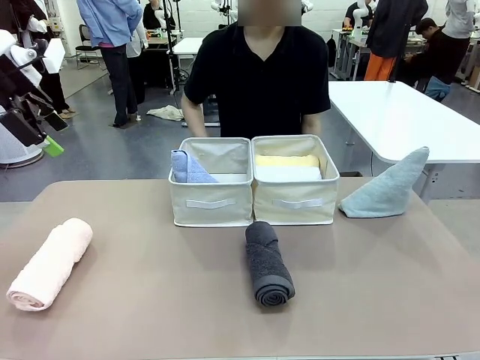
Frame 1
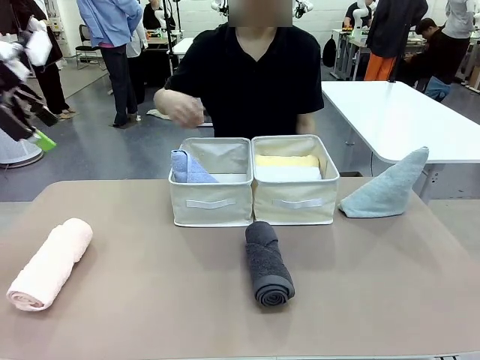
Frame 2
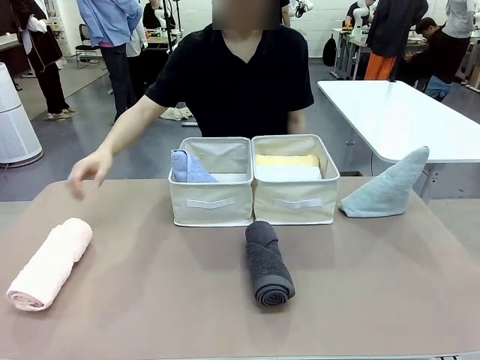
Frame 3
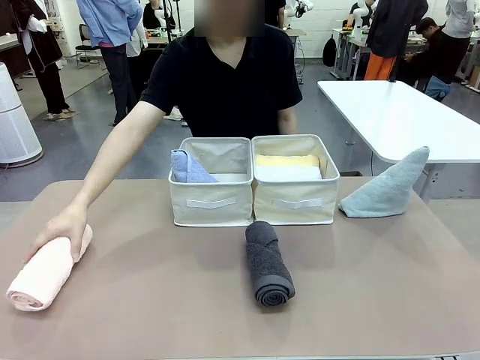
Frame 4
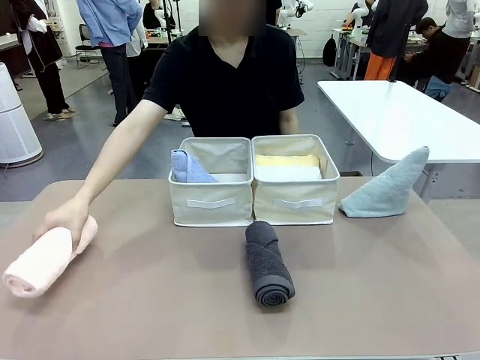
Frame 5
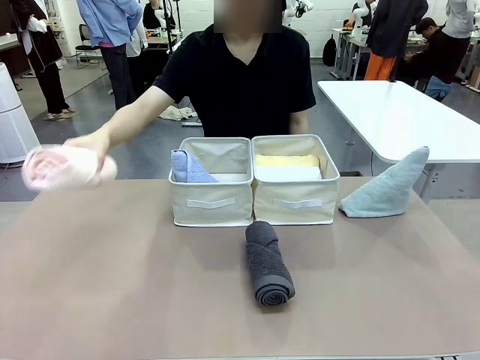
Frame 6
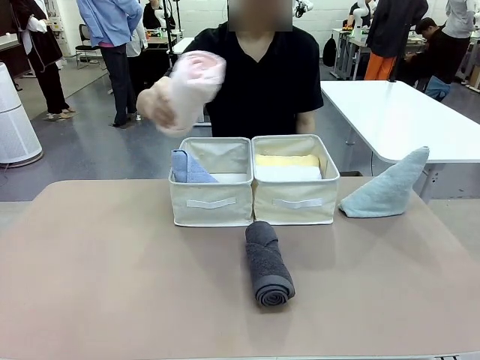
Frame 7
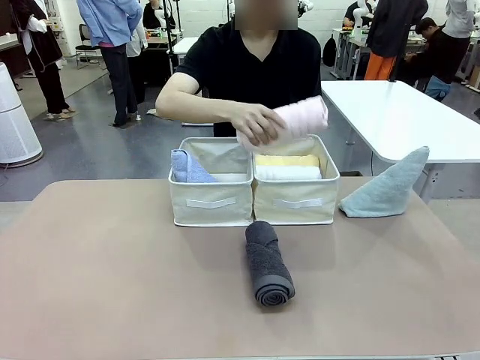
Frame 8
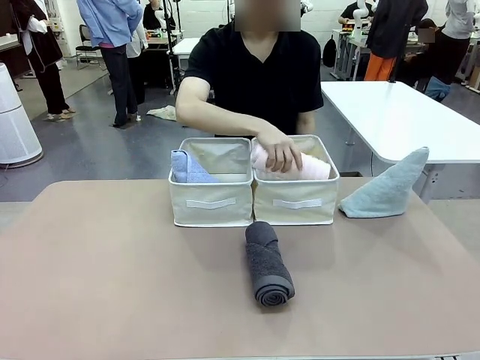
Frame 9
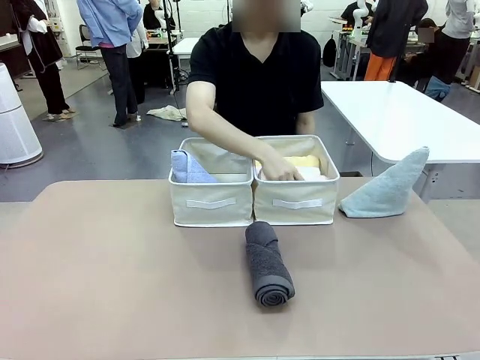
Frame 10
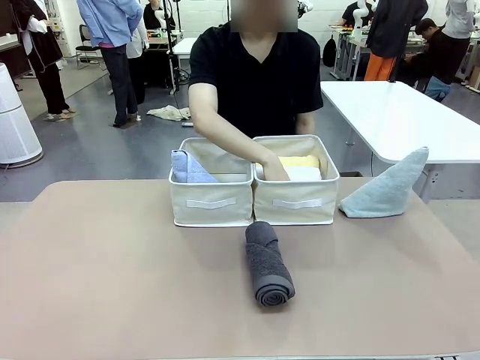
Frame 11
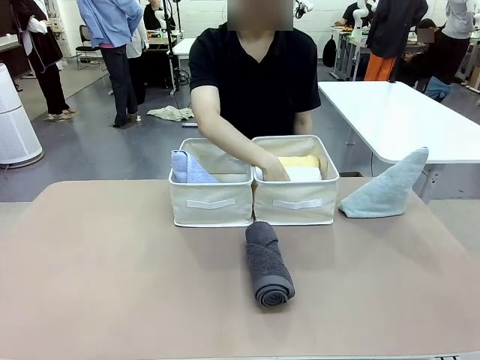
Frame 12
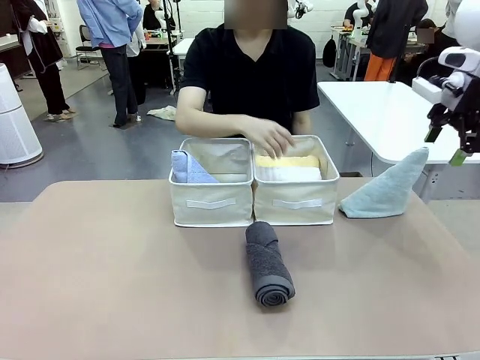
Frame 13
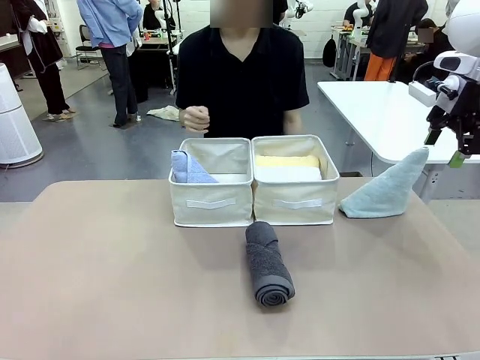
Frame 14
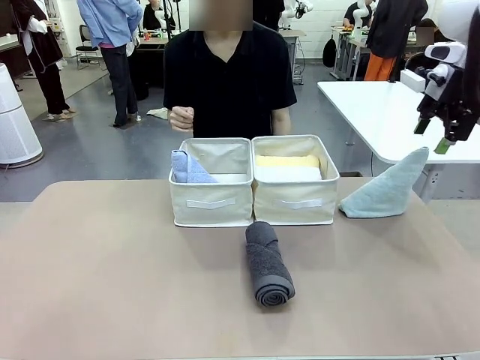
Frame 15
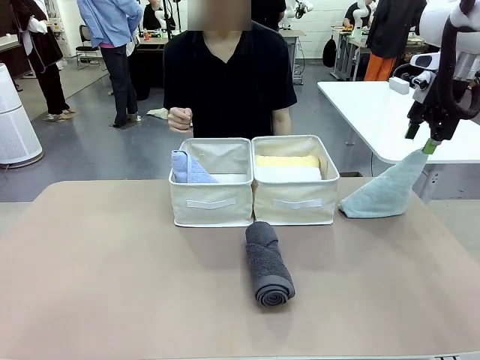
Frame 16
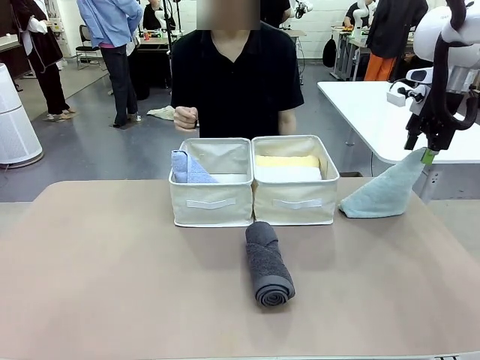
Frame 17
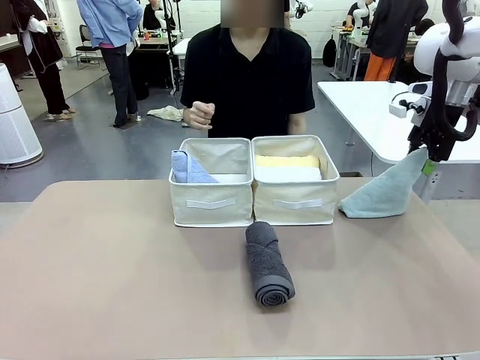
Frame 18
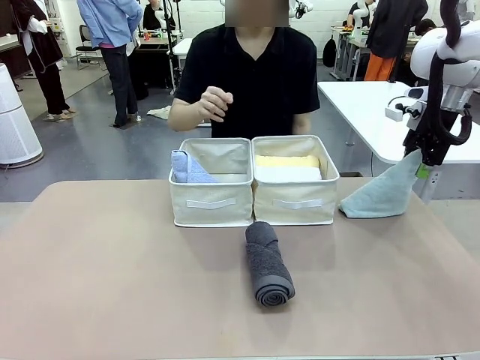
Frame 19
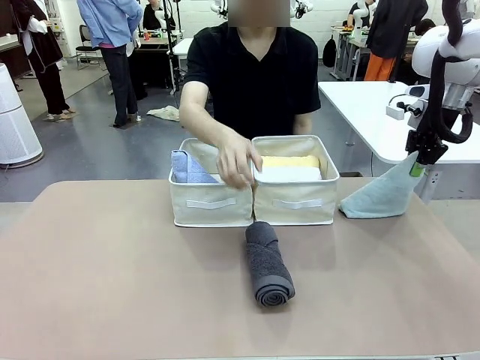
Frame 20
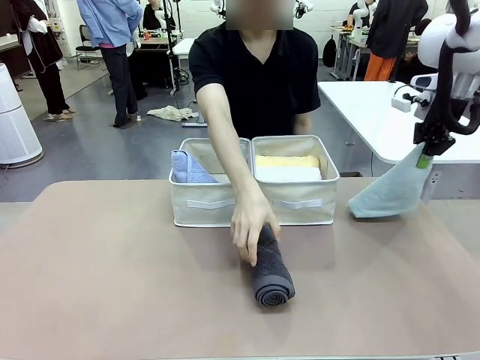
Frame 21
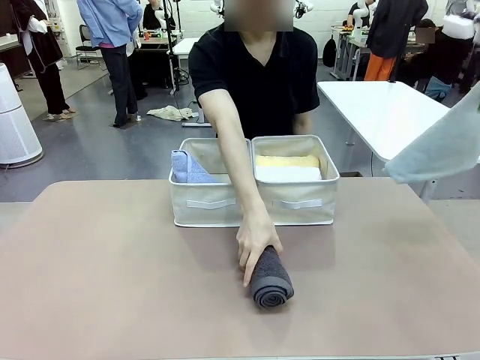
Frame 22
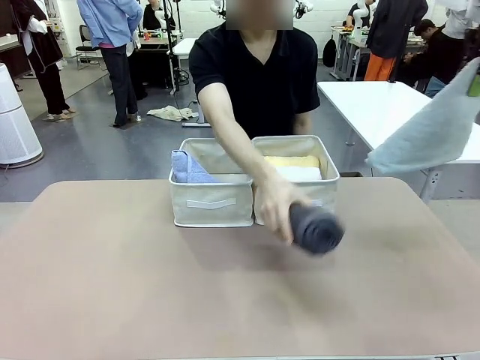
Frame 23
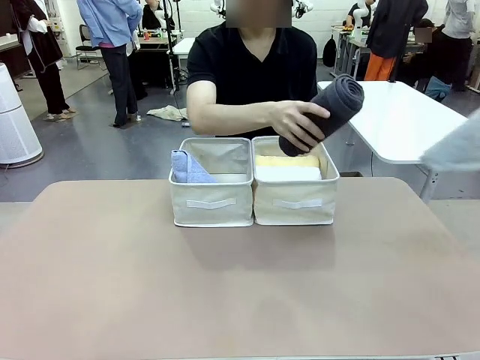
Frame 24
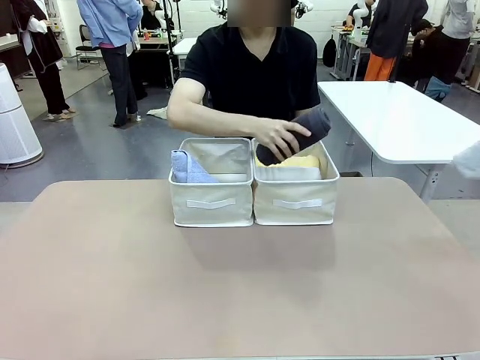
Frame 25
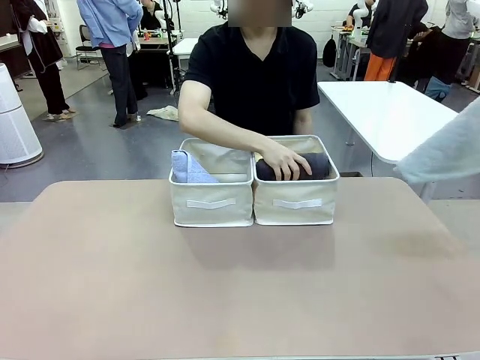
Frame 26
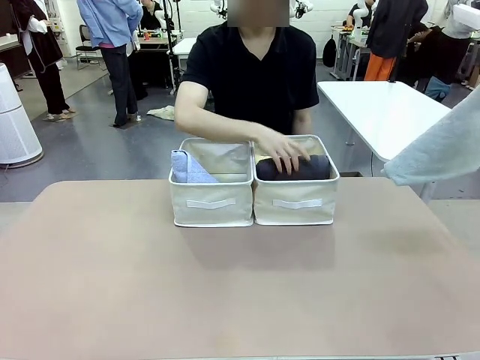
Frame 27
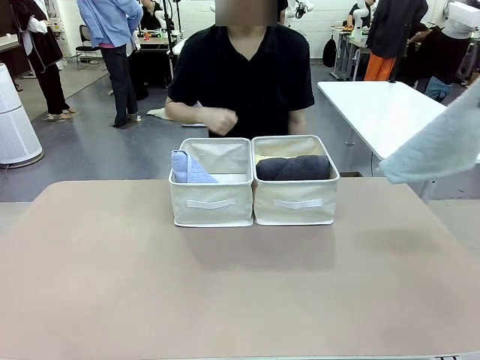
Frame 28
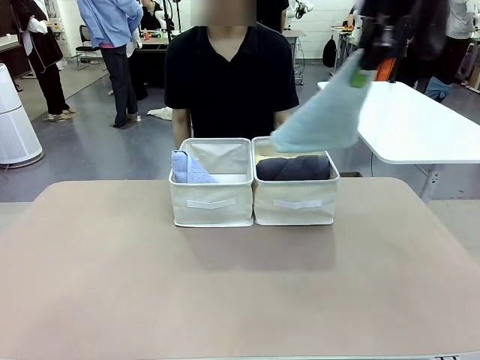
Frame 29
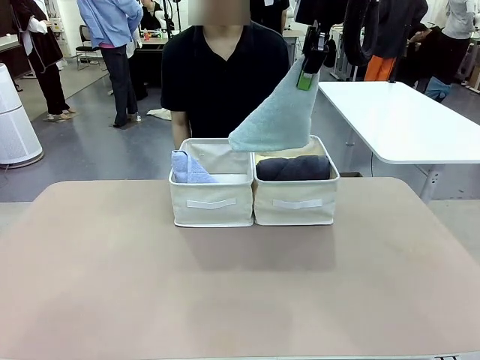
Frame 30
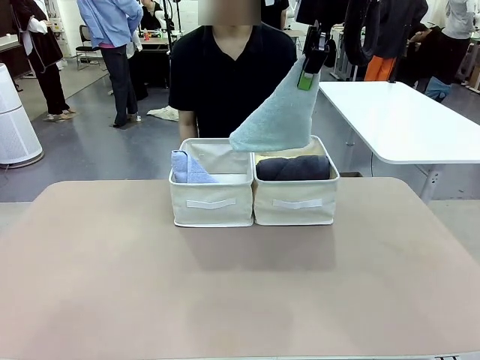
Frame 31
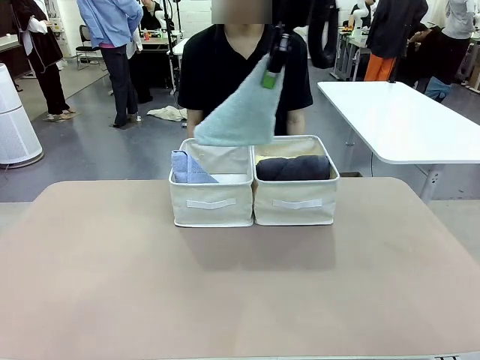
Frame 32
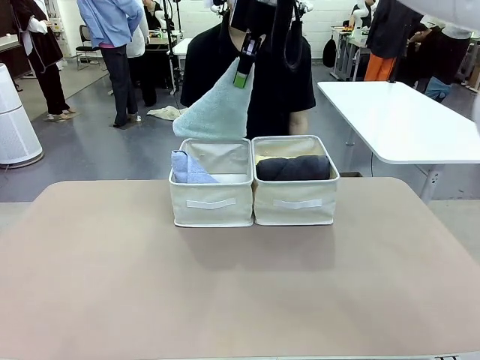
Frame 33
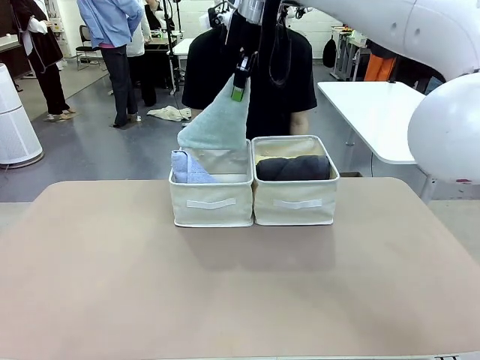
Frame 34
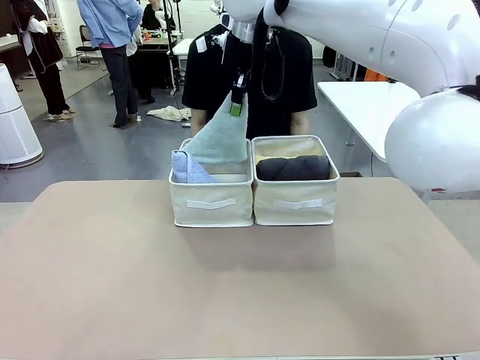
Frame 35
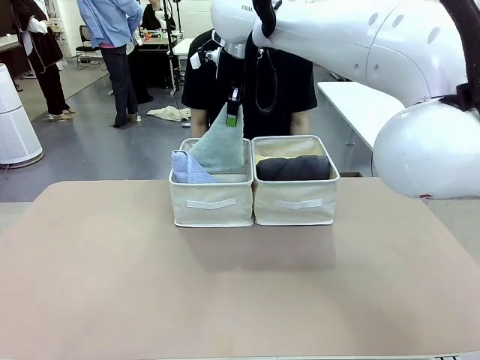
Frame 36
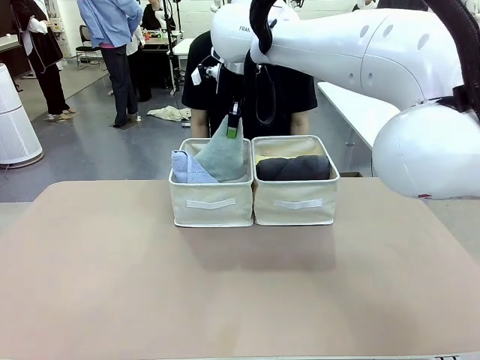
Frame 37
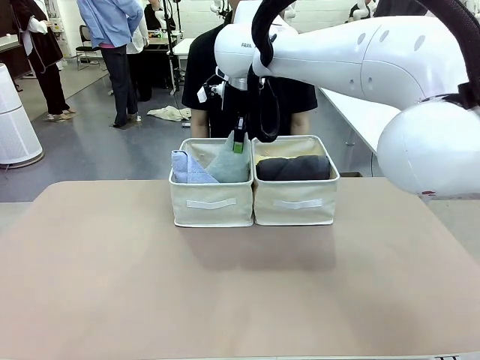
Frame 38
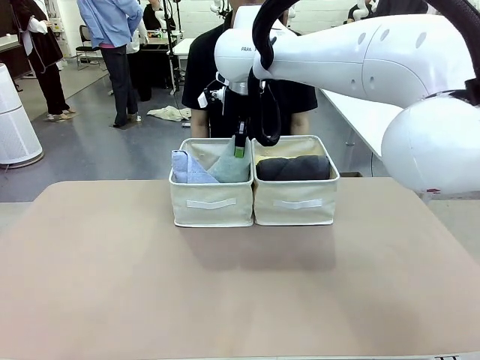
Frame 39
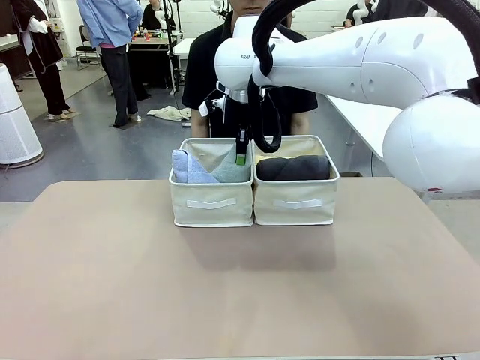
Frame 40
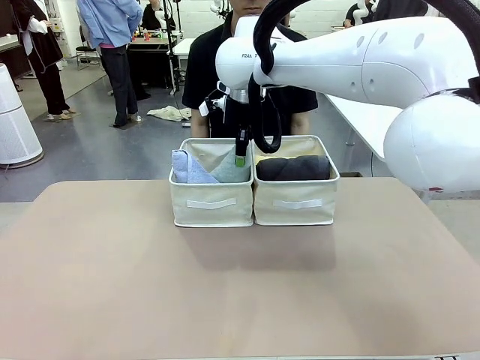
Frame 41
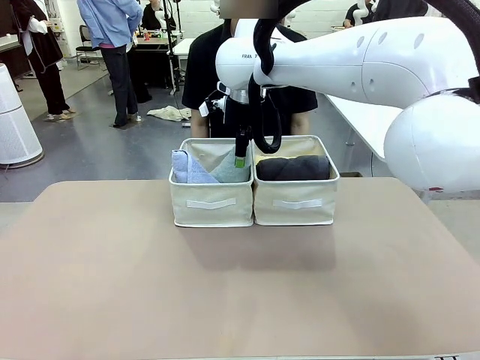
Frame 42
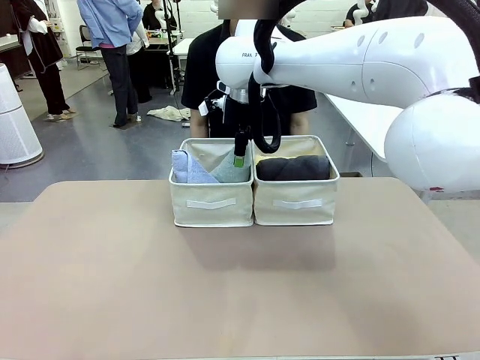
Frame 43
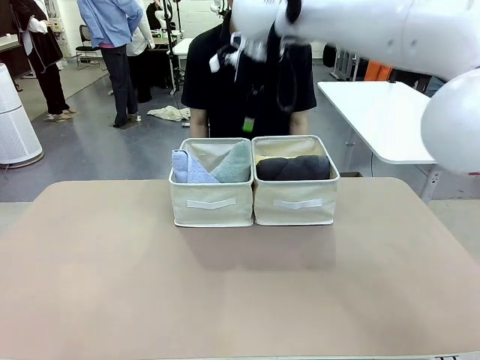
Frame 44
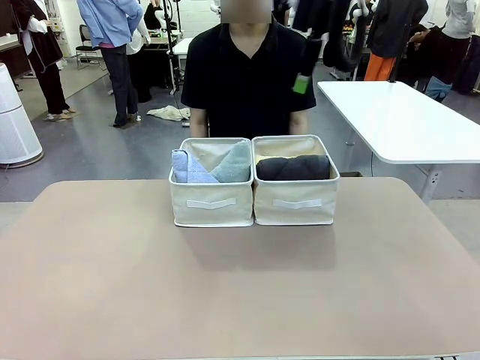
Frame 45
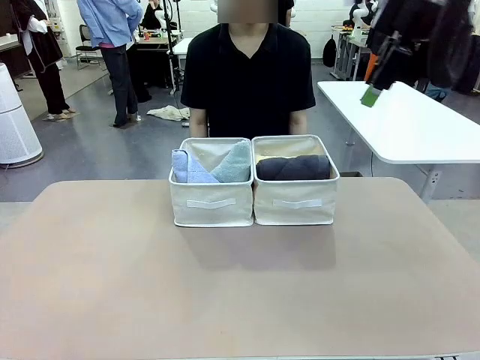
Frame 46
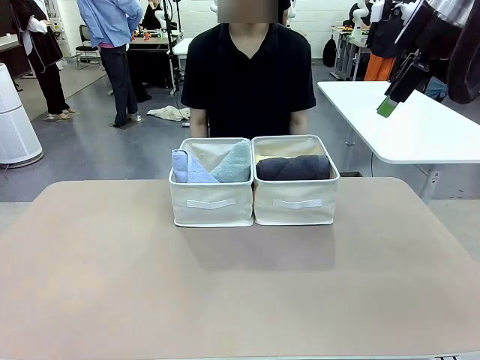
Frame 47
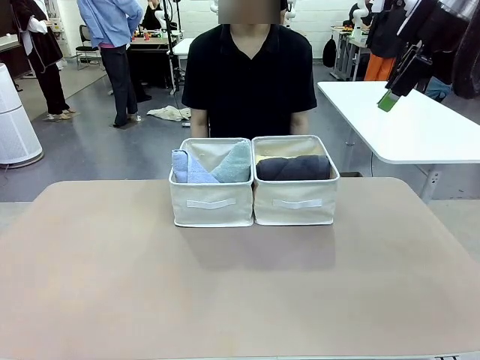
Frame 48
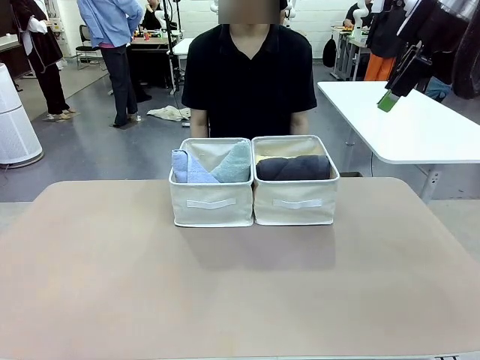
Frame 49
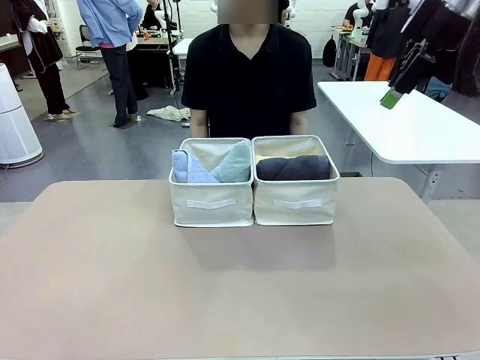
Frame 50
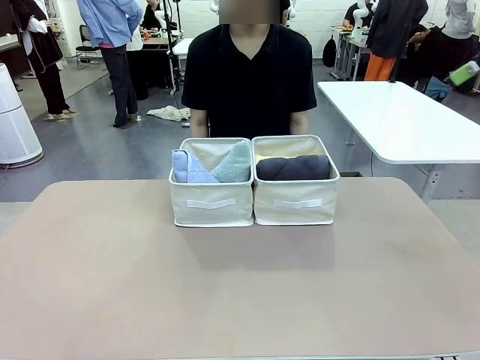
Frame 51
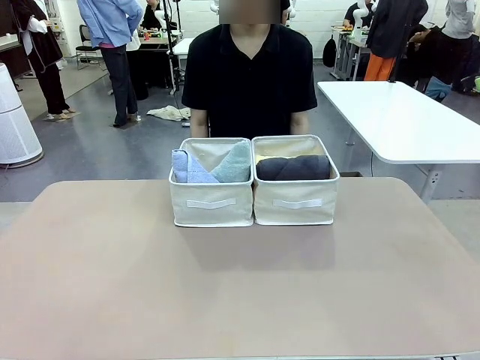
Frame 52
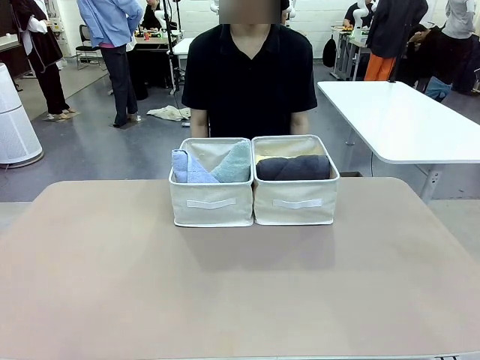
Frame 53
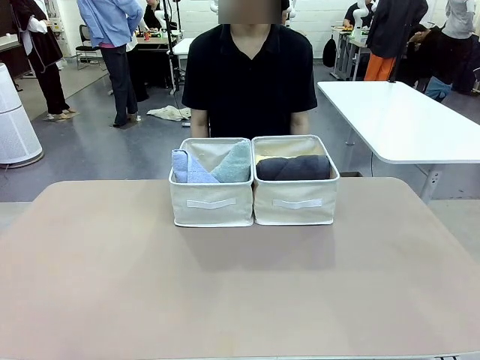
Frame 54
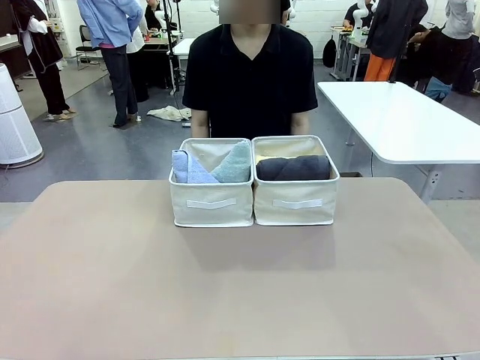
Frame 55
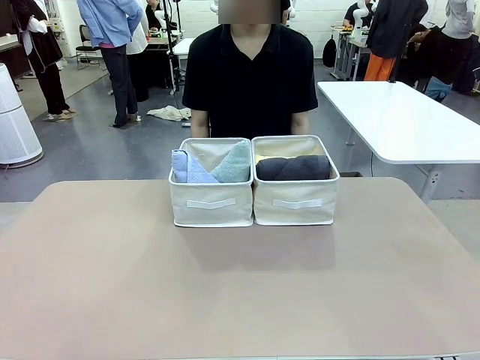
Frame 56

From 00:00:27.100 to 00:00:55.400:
Task: Sort the towels based on their folding style.
Robot: Pick up another triangle-folded towel from the table and place it in the left Fabric basket.
Person: Pick up one hotel-style rolled towel from the table and place it in the left fabric basket.
